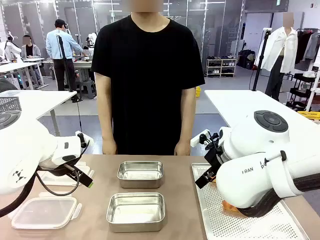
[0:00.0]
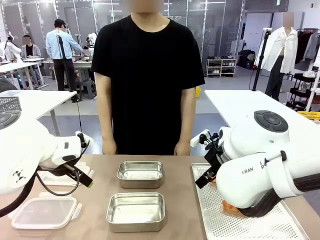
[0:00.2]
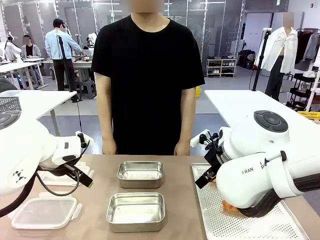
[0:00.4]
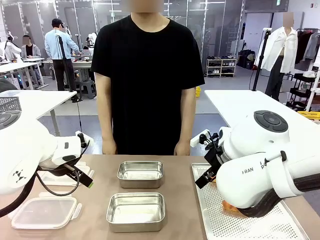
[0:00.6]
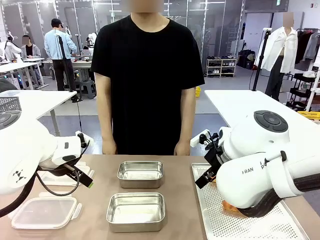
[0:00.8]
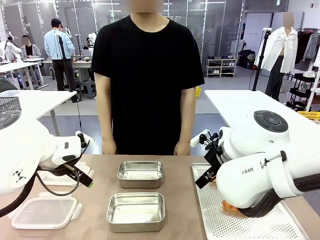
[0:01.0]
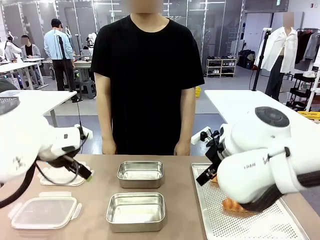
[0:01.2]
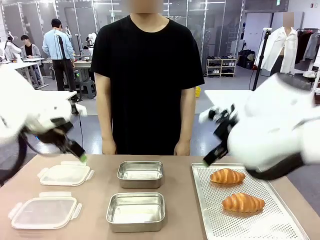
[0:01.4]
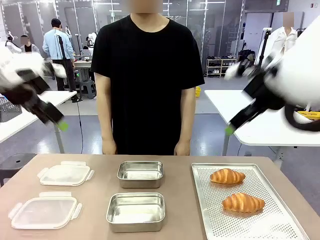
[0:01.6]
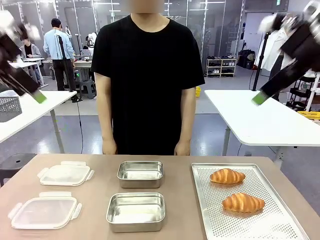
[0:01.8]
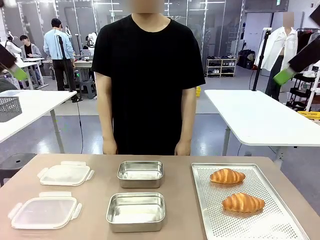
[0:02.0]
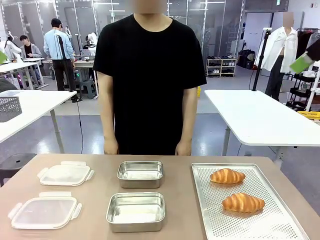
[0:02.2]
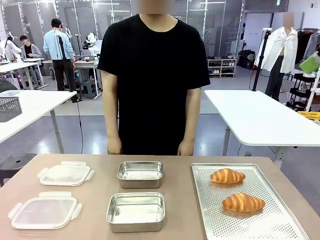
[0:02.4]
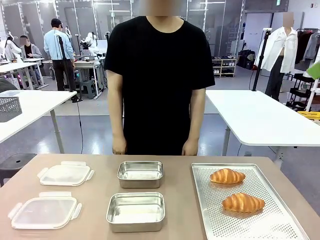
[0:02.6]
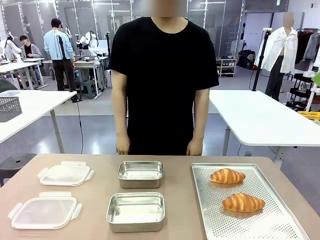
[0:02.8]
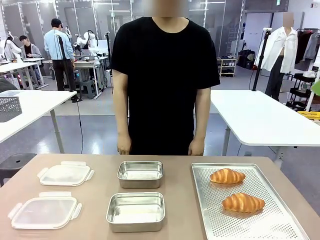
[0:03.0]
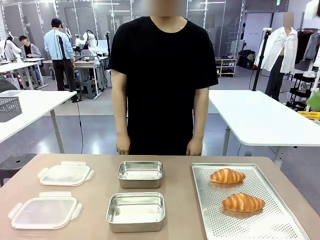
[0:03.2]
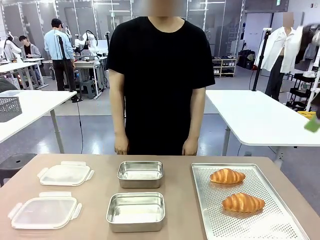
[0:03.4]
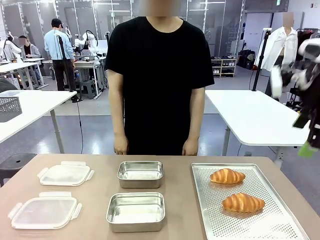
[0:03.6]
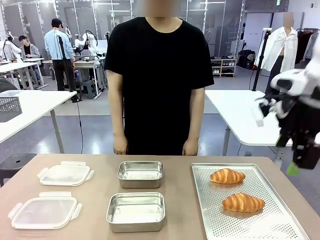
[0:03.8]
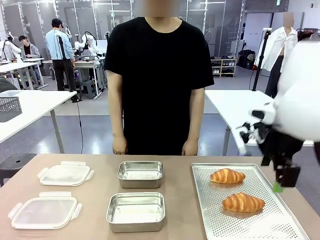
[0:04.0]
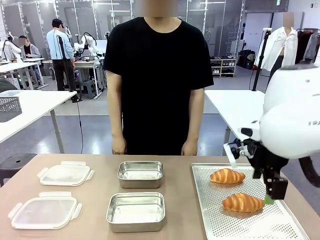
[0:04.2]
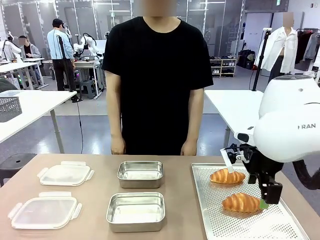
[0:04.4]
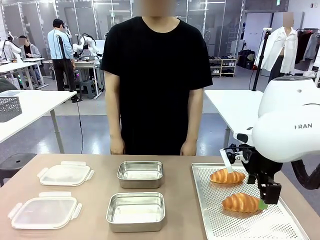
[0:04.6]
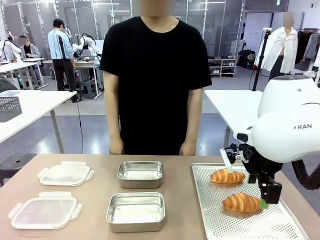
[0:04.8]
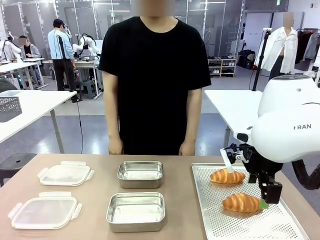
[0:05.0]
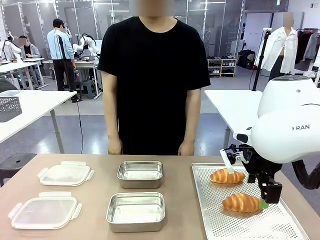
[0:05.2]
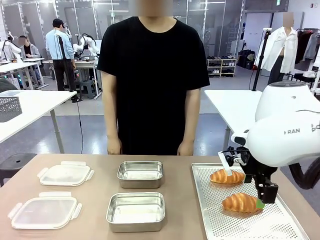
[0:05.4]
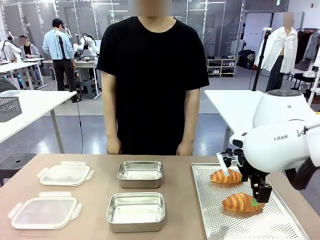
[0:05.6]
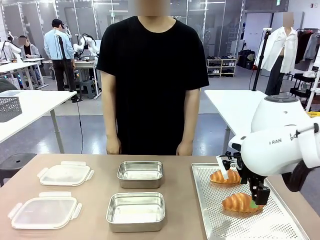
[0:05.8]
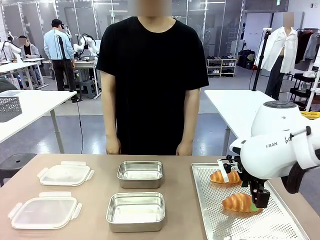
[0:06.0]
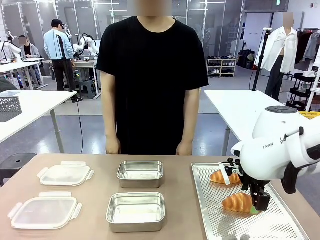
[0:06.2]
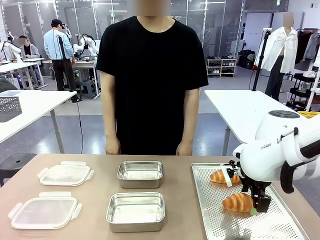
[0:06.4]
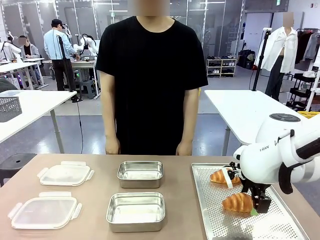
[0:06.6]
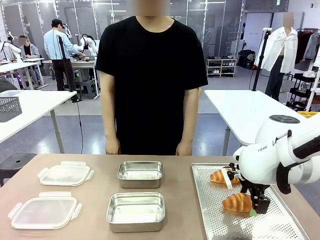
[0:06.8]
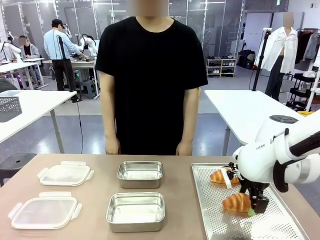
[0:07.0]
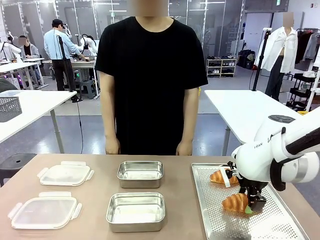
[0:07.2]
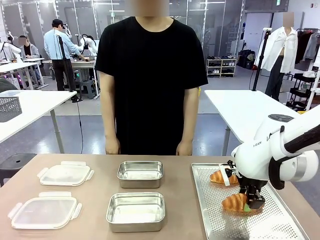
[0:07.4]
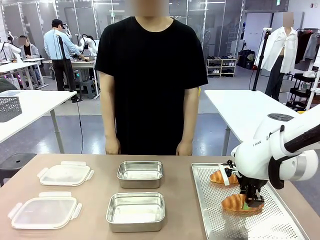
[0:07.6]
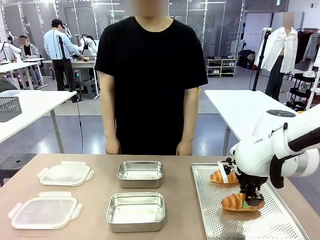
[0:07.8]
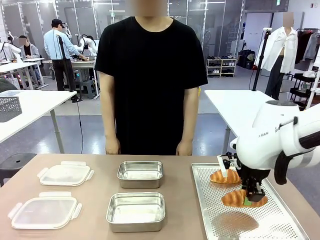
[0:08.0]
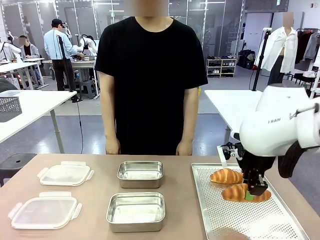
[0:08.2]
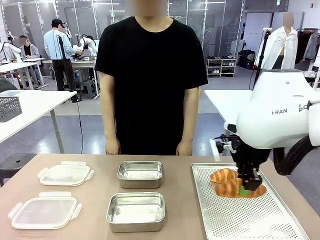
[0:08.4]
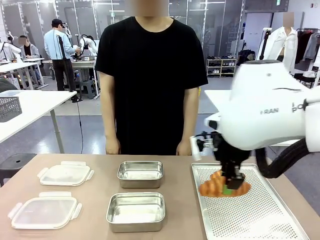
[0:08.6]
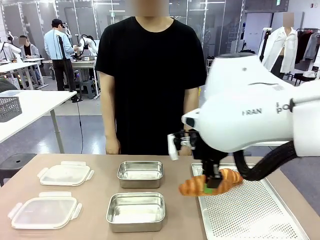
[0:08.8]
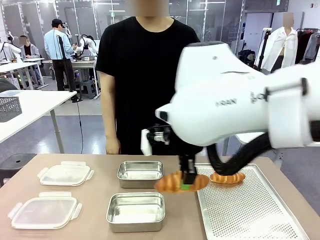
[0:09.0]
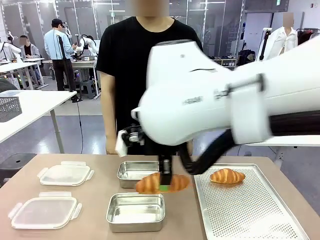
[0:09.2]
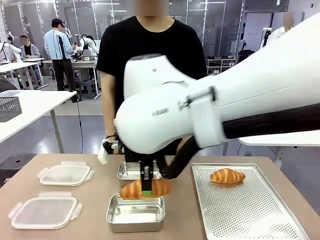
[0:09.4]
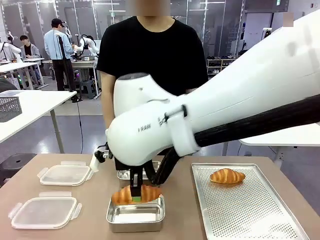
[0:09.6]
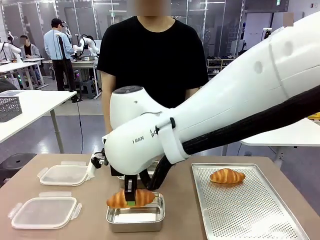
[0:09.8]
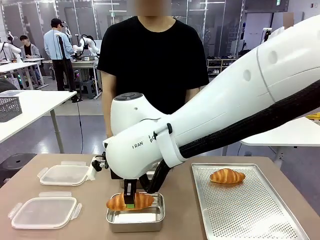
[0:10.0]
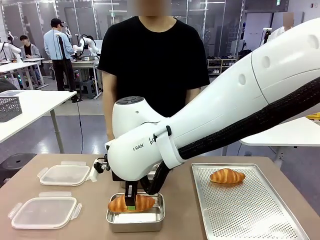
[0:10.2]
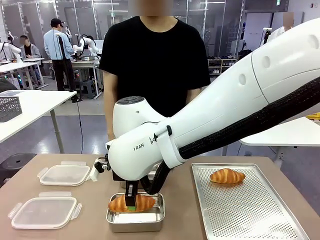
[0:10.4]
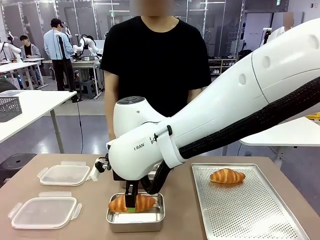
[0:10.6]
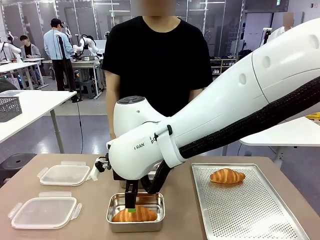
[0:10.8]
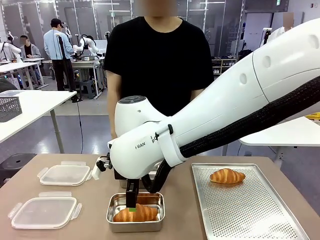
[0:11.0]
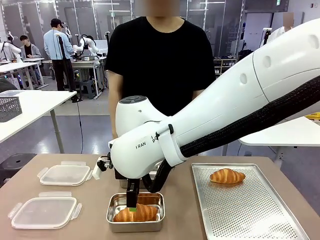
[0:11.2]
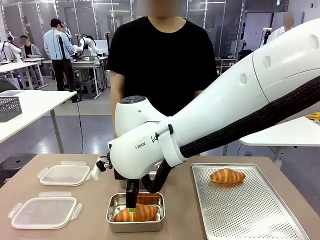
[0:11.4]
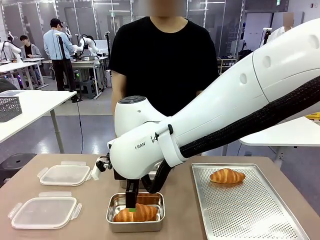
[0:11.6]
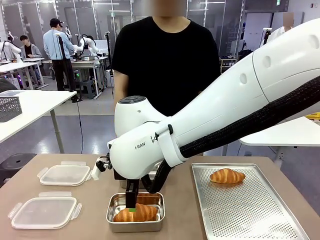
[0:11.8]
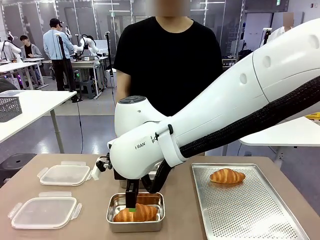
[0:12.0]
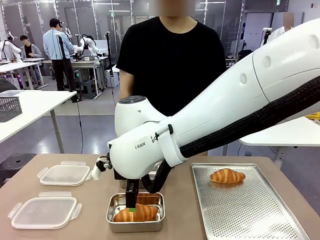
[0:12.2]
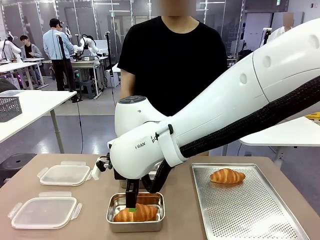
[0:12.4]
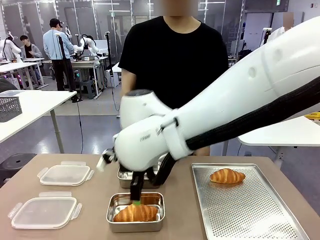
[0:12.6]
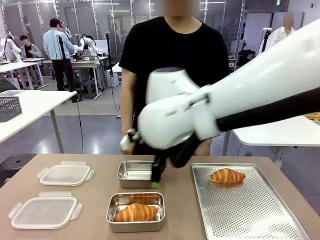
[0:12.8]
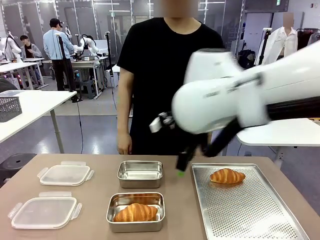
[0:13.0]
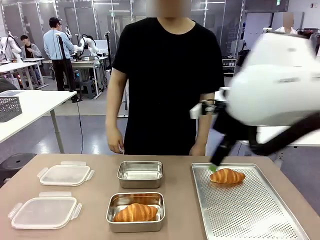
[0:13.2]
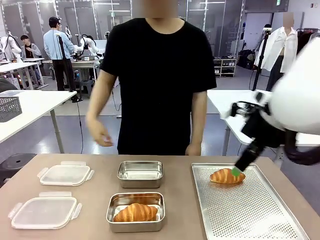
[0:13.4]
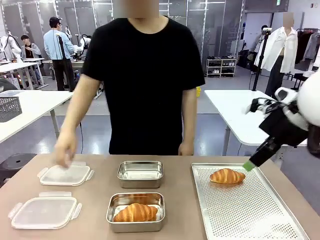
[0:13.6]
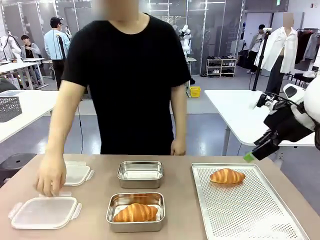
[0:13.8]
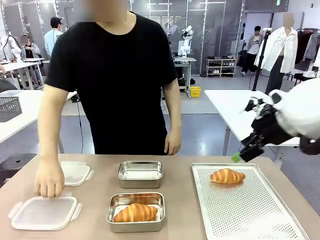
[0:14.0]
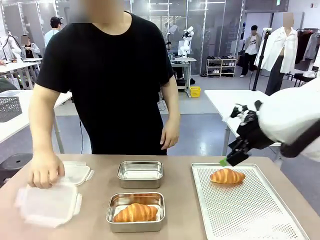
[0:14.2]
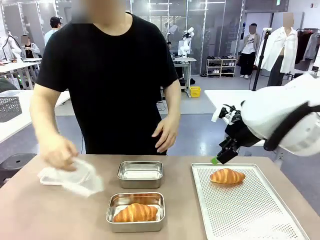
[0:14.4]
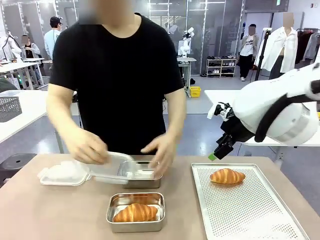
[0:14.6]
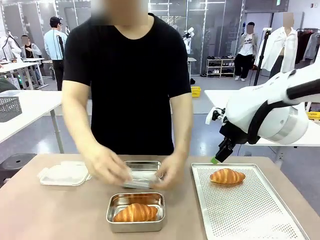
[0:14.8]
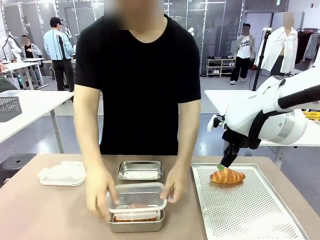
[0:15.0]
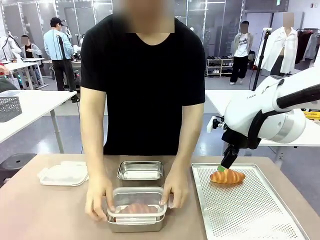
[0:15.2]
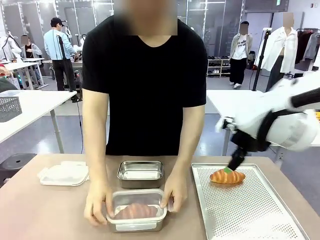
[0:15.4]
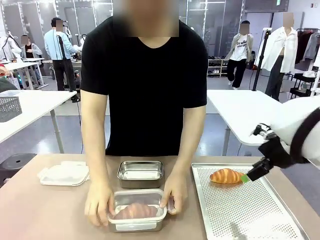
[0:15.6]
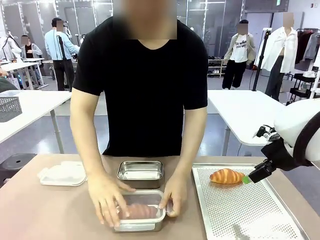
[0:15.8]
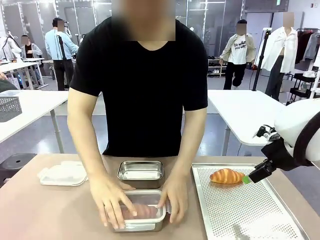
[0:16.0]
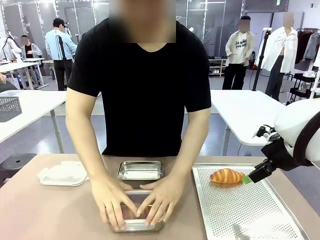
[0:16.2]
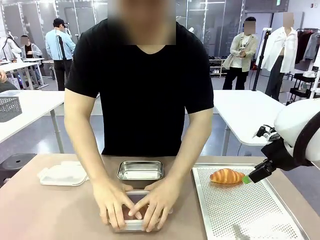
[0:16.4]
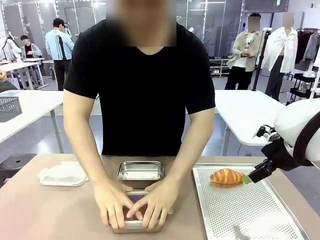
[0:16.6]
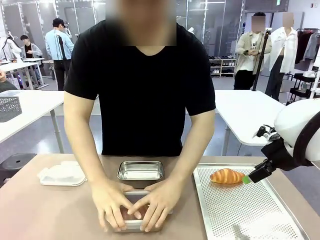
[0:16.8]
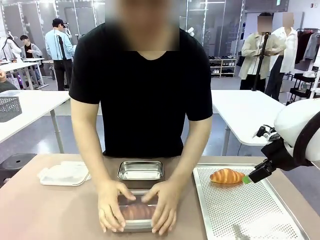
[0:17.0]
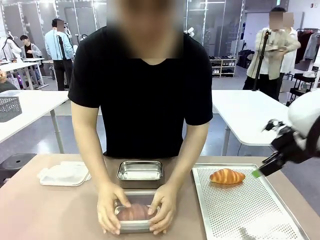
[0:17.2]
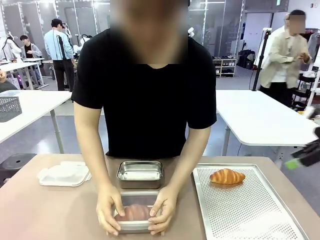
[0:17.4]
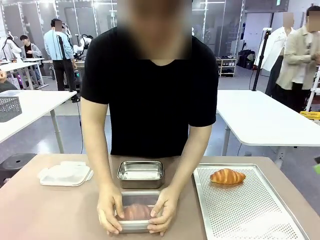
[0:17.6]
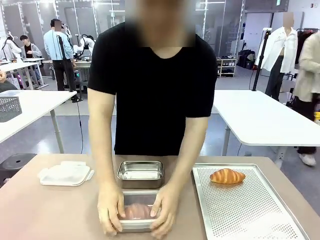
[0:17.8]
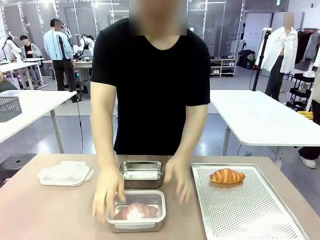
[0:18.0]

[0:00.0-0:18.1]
Task: Place the bread into the airtight container.
Robot: Pick up a Butter Roll and place it into an empty Airtight Container.
